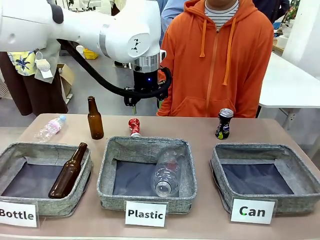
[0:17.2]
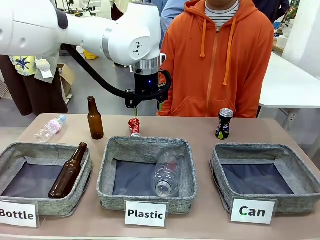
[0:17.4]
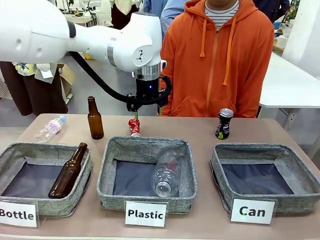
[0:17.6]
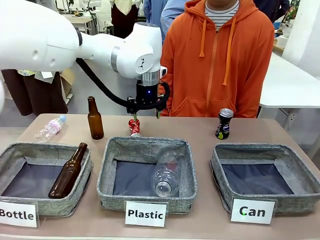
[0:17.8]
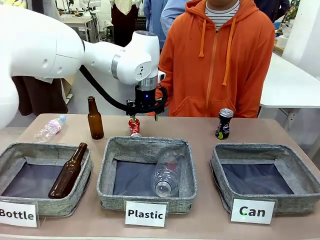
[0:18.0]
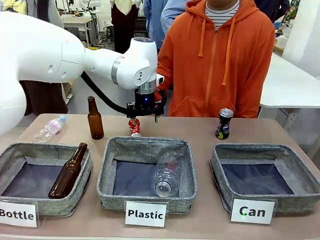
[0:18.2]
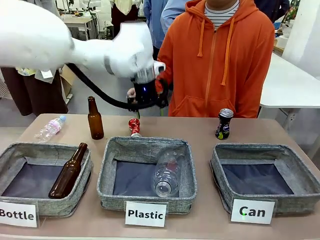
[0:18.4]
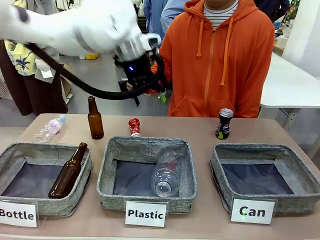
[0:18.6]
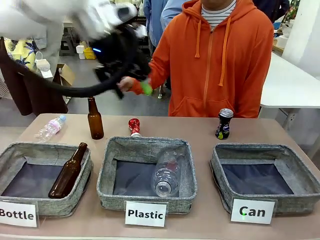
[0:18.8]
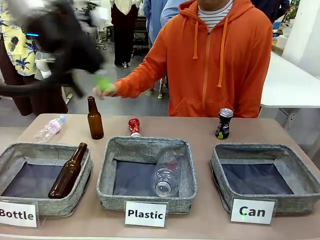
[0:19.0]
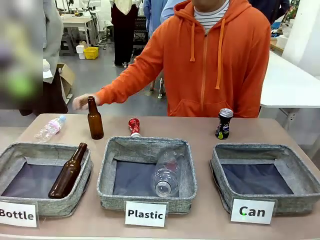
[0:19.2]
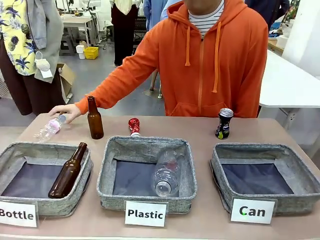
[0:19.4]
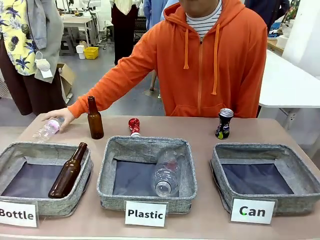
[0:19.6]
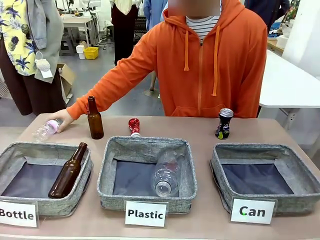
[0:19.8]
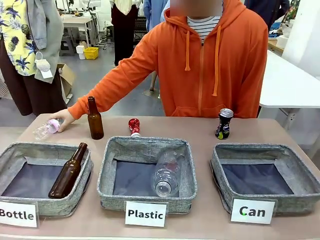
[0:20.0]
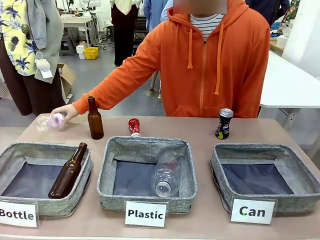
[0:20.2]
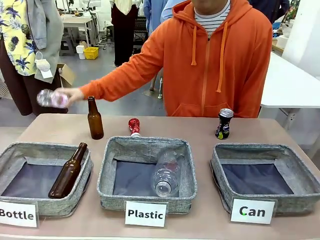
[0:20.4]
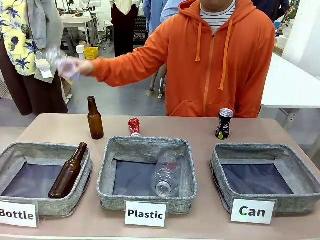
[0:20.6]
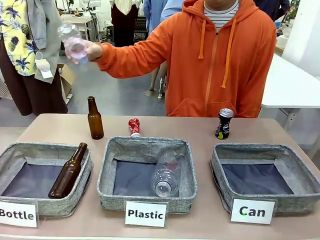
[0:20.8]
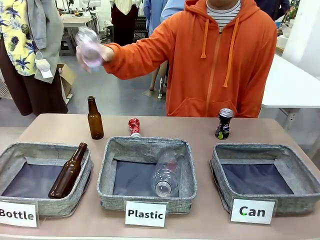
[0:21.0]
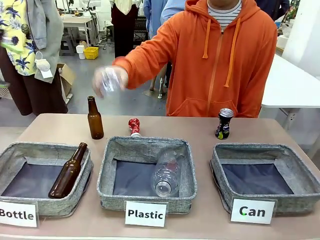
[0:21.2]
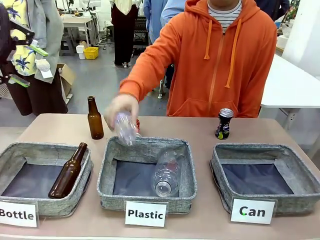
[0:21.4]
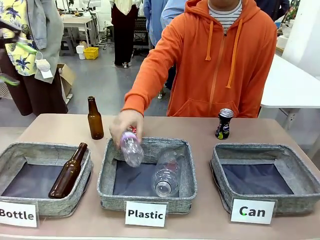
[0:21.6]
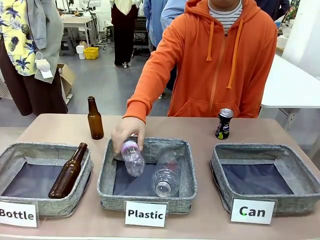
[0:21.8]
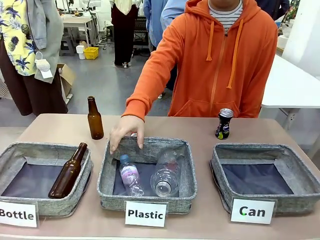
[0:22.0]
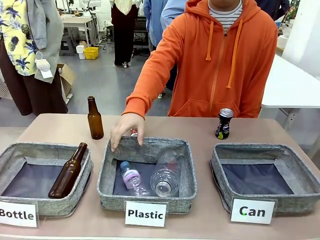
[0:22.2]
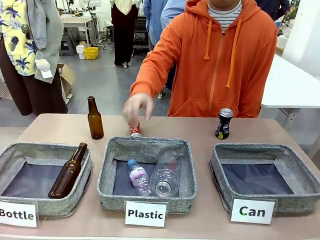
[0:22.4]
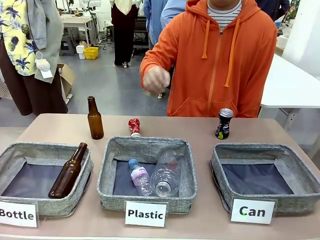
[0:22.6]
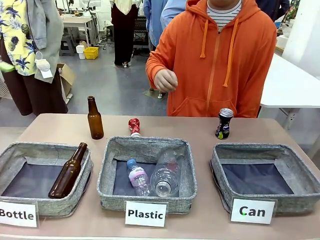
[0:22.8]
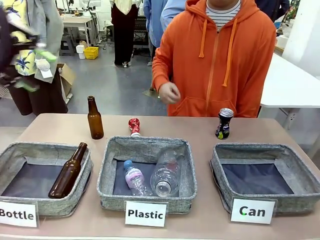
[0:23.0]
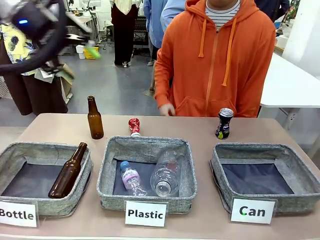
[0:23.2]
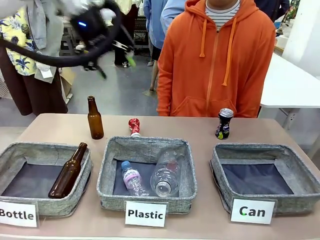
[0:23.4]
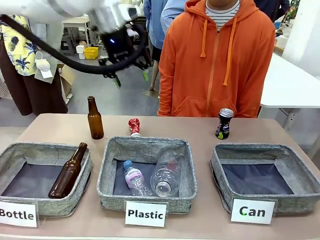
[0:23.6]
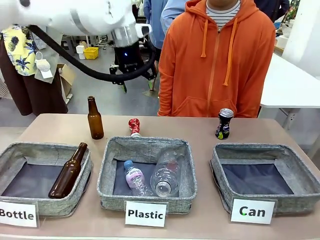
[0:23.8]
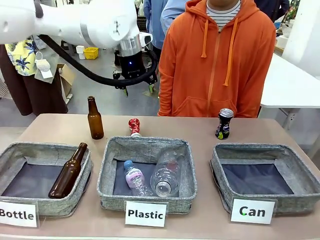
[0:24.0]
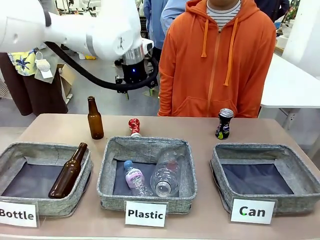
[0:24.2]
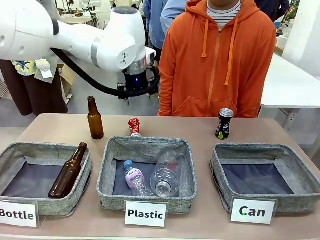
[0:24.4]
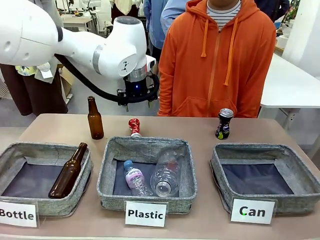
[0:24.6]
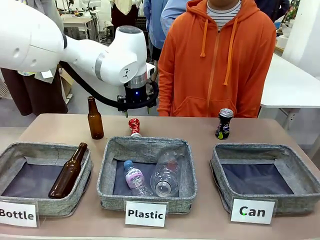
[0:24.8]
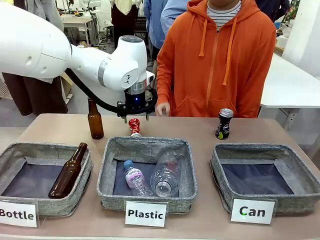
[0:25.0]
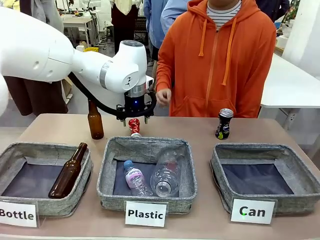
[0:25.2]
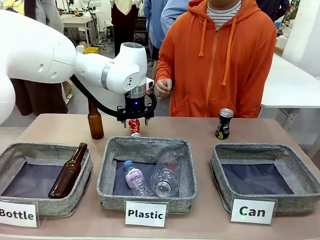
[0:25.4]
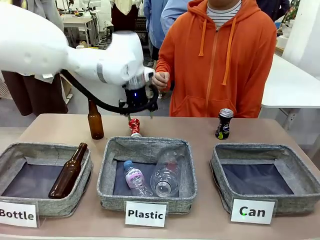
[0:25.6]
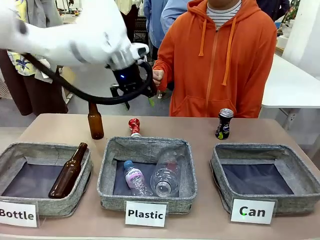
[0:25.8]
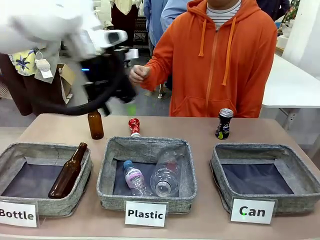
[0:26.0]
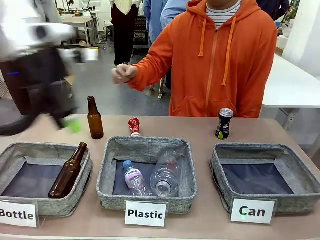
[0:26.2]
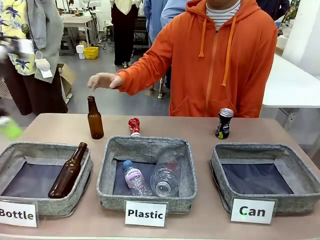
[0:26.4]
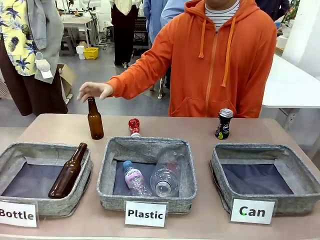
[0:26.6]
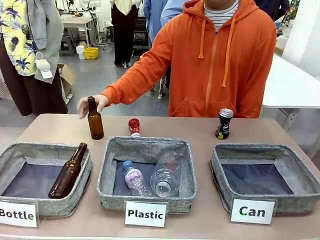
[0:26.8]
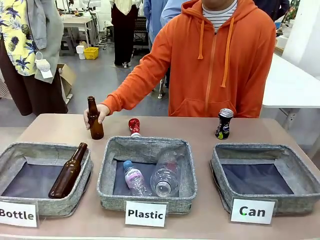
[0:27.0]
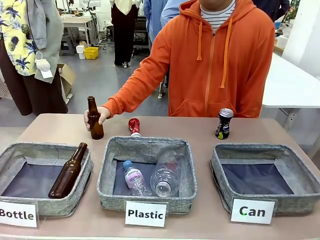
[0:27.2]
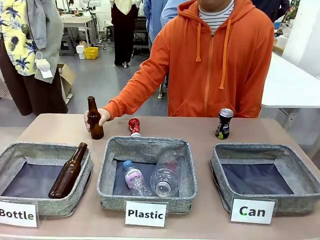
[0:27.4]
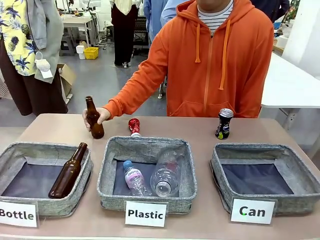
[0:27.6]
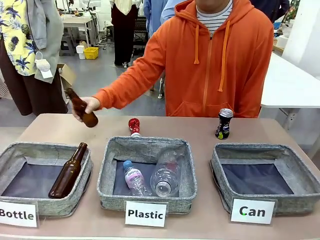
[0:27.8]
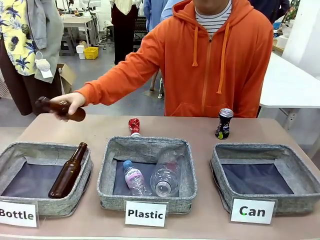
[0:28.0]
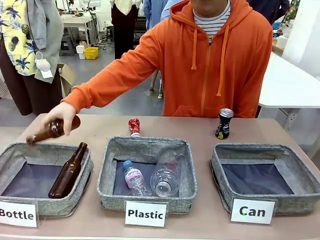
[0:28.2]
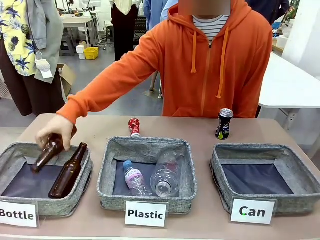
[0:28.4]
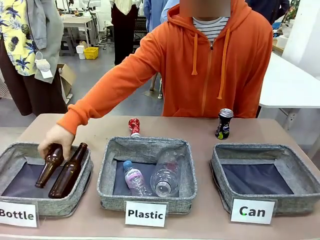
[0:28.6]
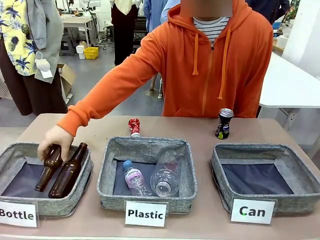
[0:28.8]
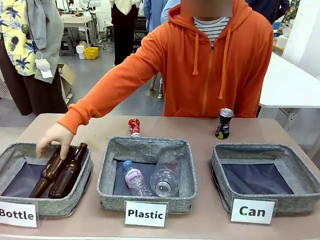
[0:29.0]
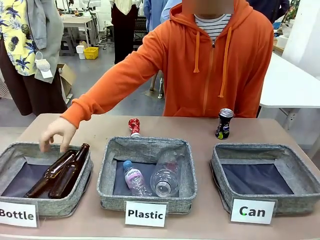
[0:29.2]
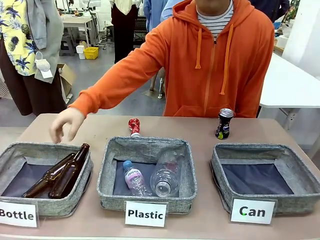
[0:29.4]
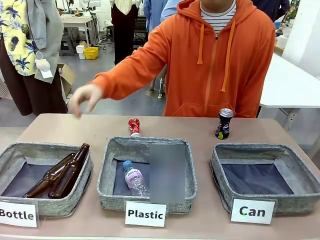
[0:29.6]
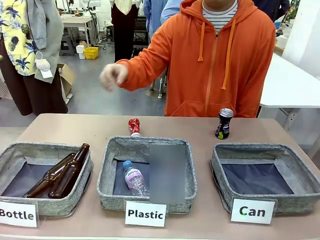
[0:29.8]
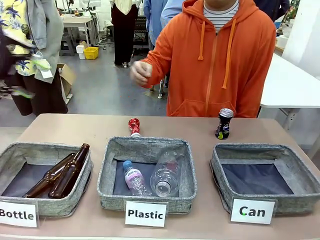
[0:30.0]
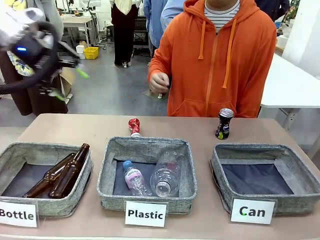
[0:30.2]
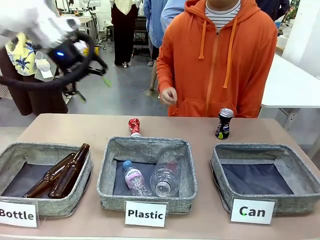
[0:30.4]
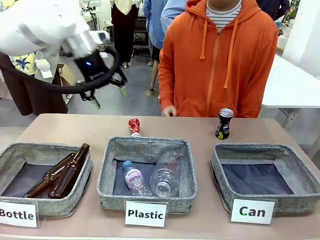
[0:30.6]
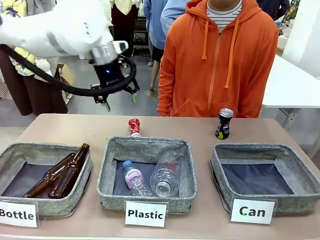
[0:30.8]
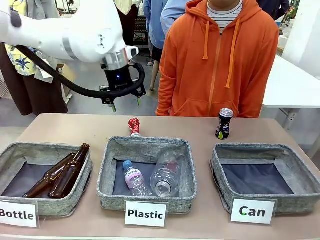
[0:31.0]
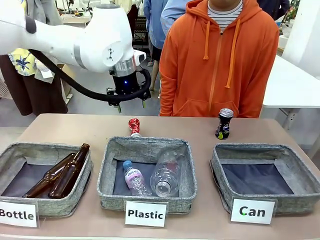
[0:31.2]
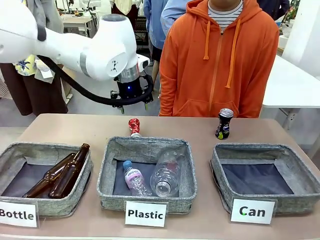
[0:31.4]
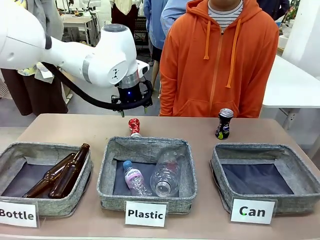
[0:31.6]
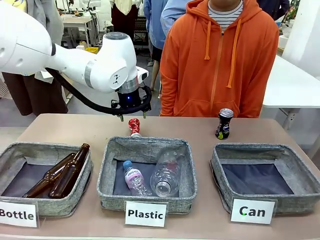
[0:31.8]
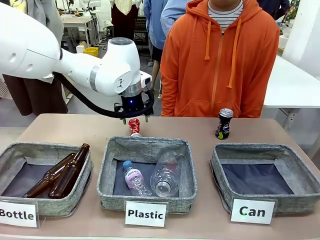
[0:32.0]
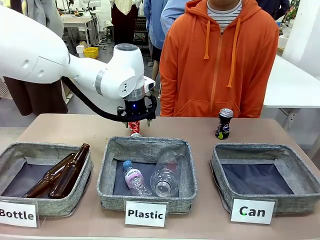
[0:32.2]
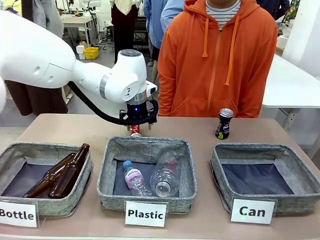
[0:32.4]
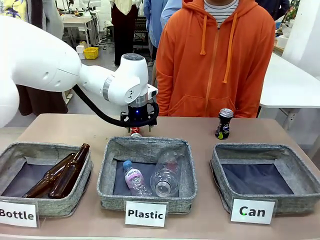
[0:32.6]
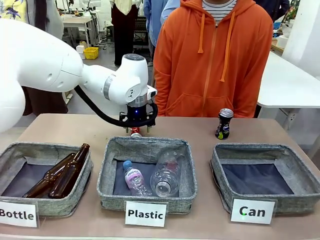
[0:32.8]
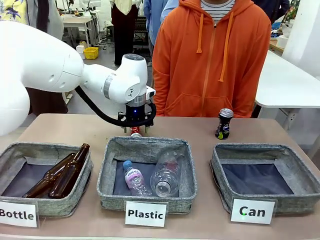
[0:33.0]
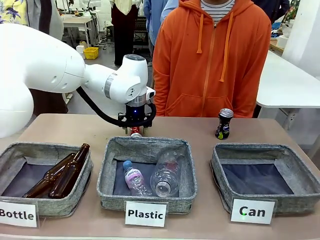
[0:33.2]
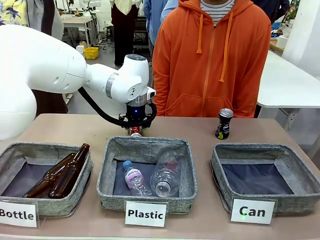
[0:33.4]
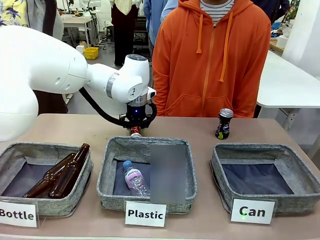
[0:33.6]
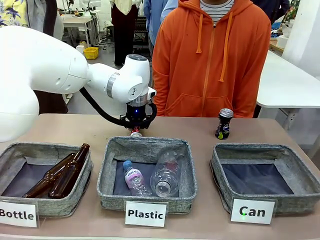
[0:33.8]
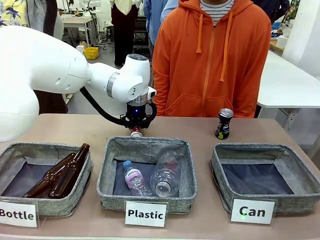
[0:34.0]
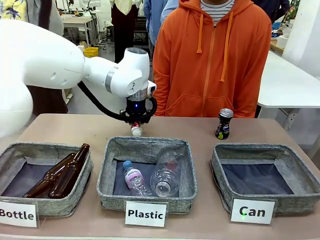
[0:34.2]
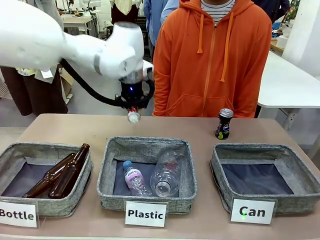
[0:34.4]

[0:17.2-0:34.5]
Task: Sort the can waste into the basket.
Robot: Pick up the can waste from the table and place it in the right Fabric basket.

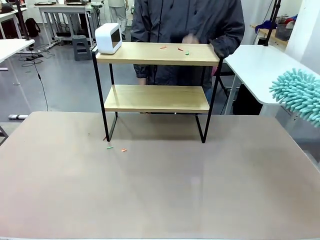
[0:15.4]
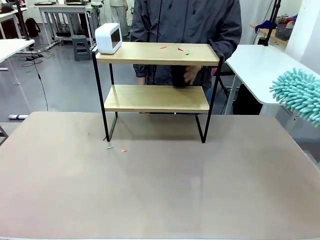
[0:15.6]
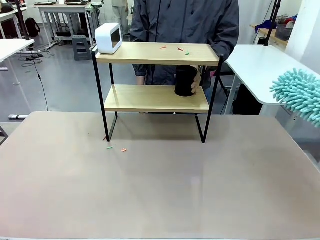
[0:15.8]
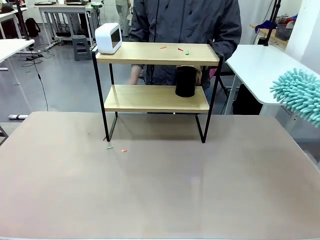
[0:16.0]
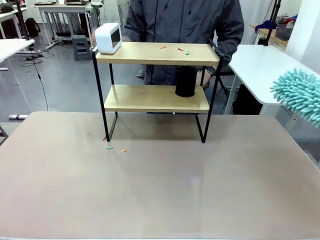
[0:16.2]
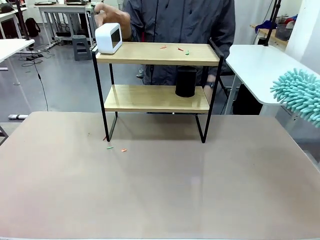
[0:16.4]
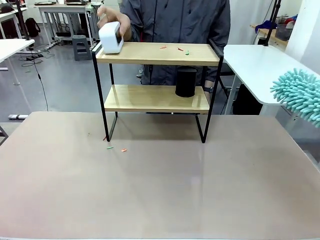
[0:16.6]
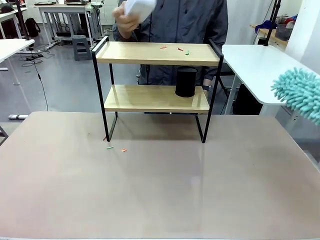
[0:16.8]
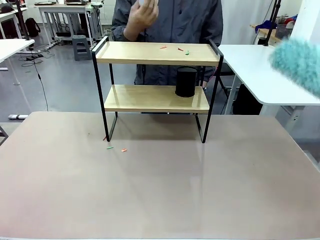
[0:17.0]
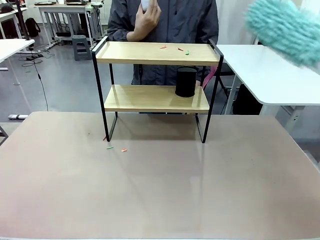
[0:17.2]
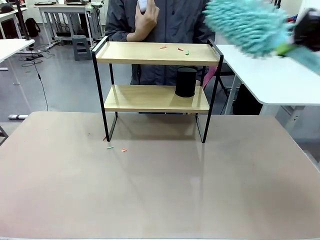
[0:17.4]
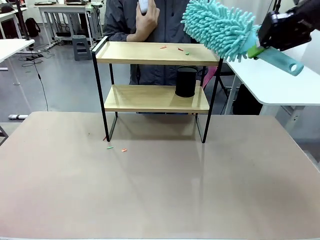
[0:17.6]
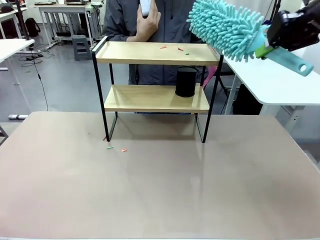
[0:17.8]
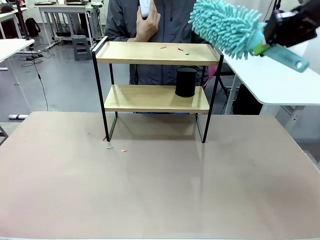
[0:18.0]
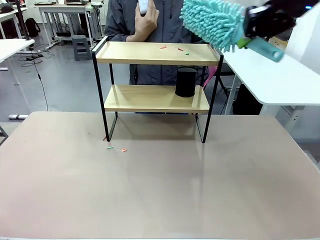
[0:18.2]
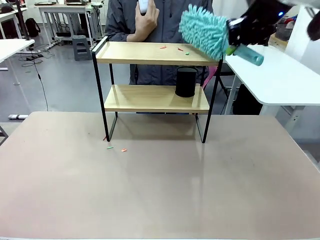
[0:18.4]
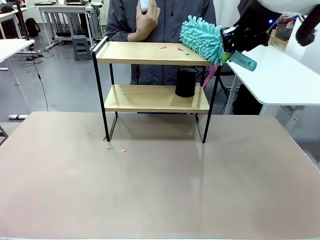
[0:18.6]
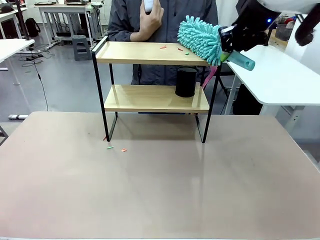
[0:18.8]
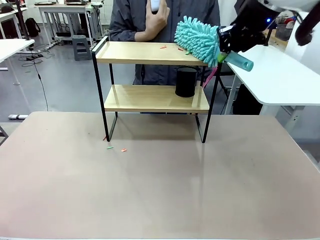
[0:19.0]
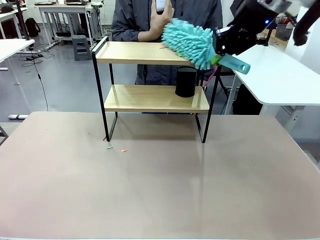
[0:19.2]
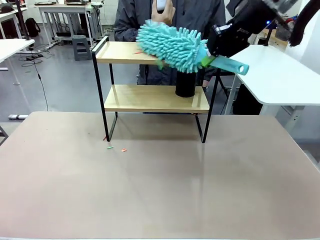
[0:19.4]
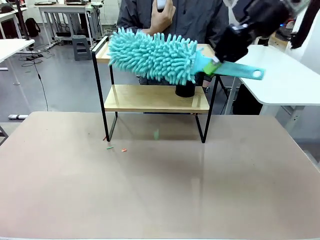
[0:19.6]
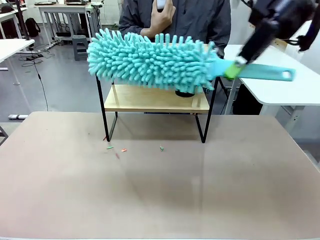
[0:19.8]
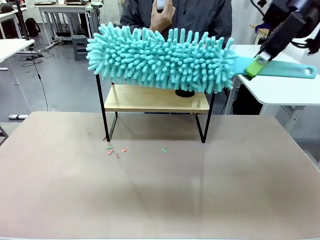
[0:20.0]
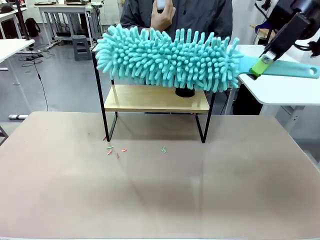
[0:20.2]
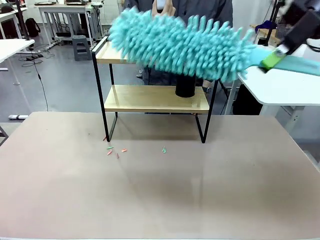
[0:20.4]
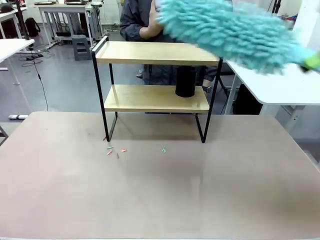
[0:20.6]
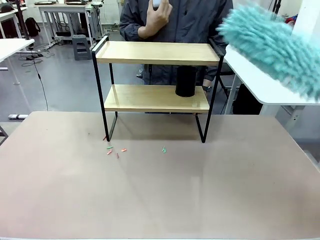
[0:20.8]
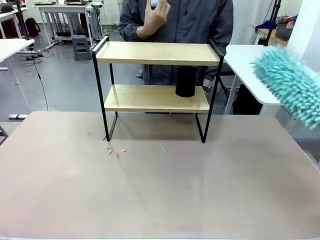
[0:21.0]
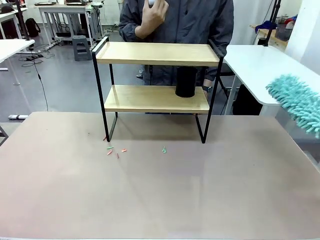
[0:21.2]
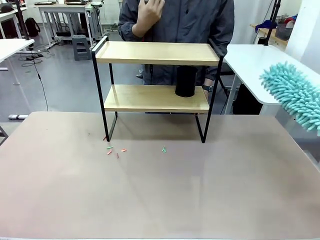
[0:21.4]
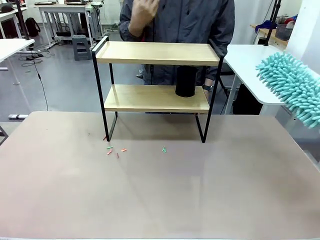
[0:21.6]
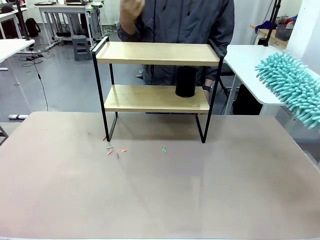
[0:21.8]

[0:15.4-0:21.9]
Task: Clean the shelf.
Robot: Clean the remaining tier of the Shelf with the Duster once objects are removed.
